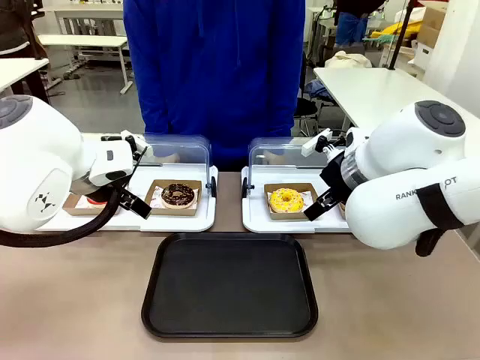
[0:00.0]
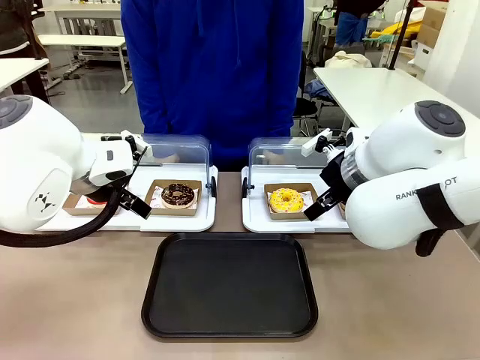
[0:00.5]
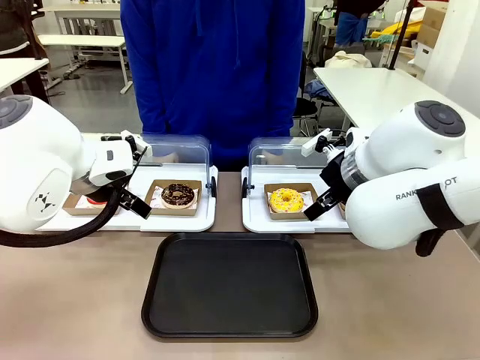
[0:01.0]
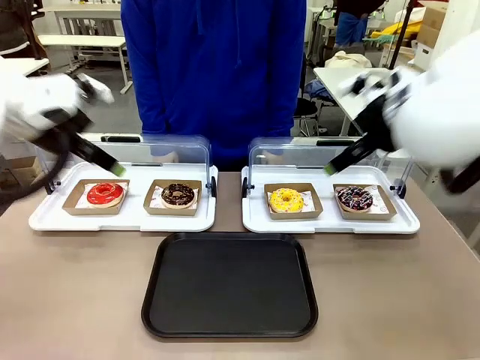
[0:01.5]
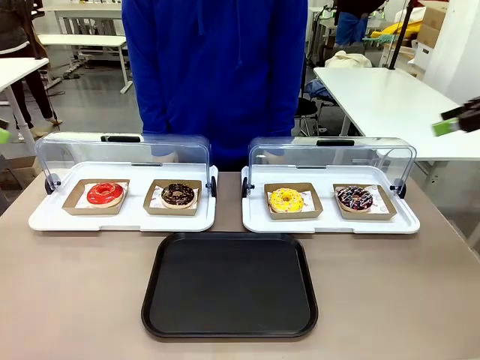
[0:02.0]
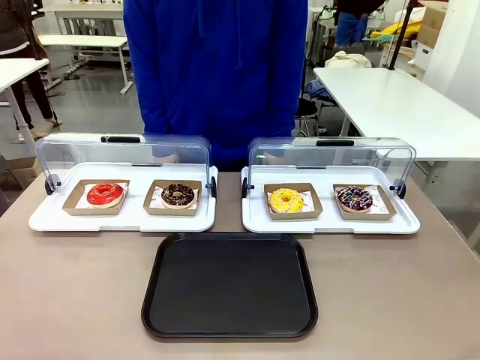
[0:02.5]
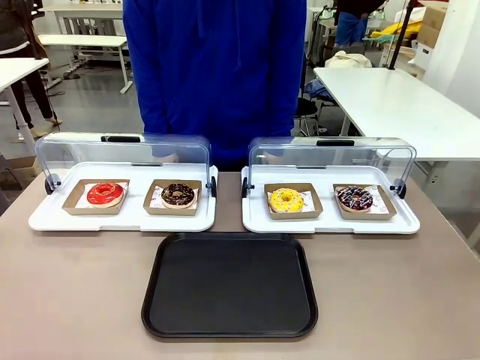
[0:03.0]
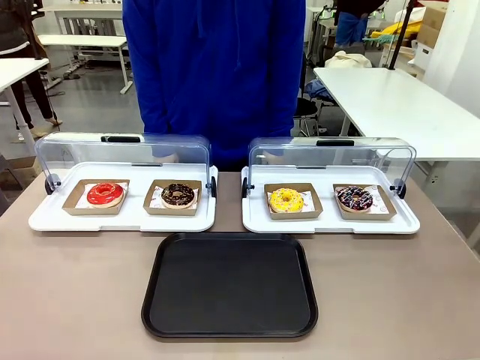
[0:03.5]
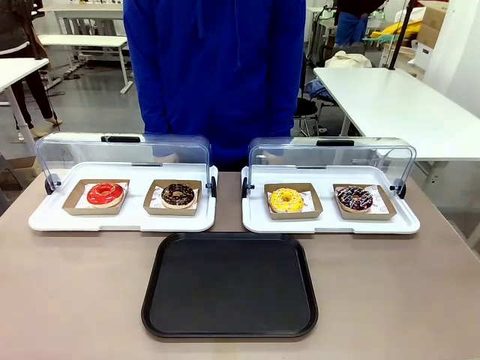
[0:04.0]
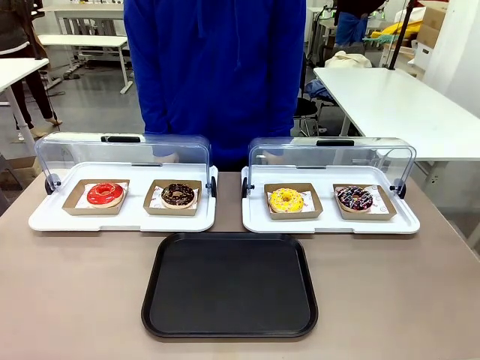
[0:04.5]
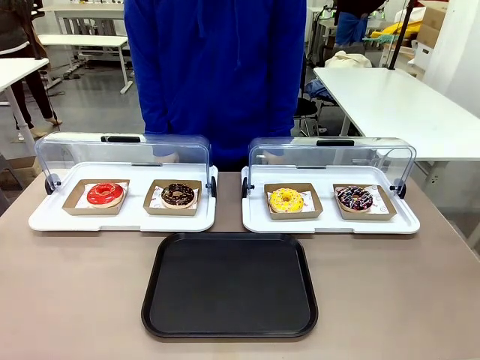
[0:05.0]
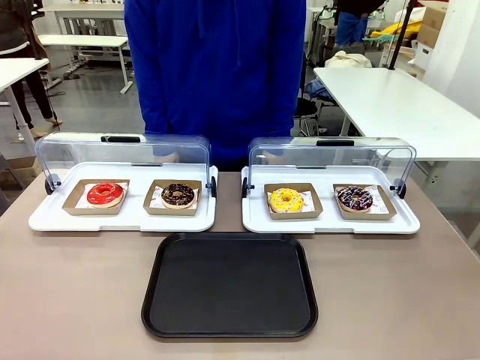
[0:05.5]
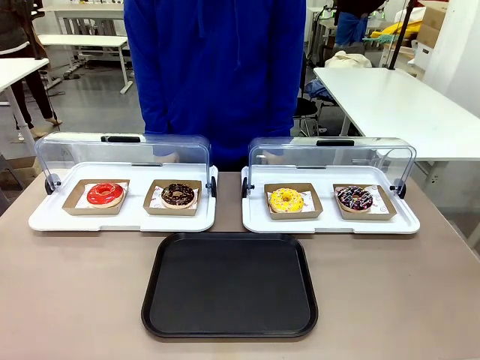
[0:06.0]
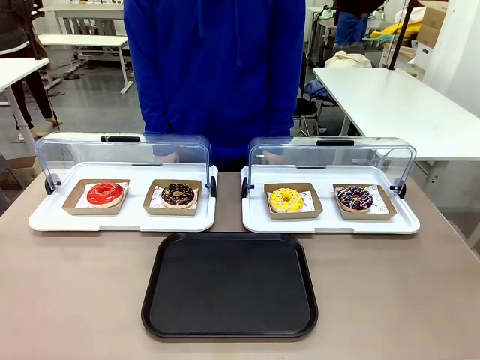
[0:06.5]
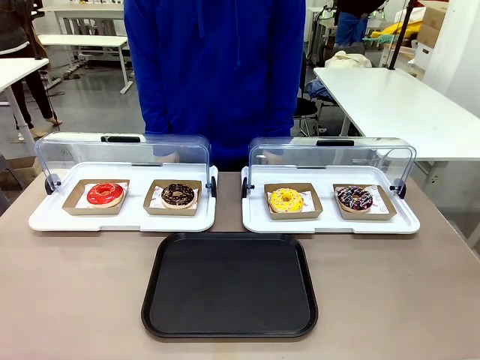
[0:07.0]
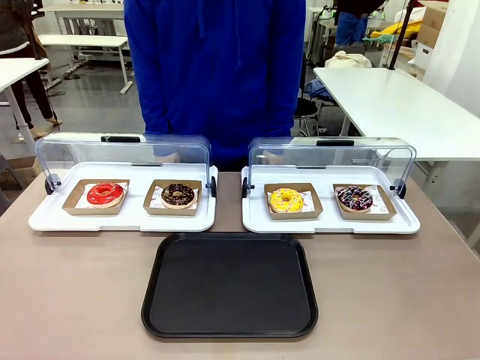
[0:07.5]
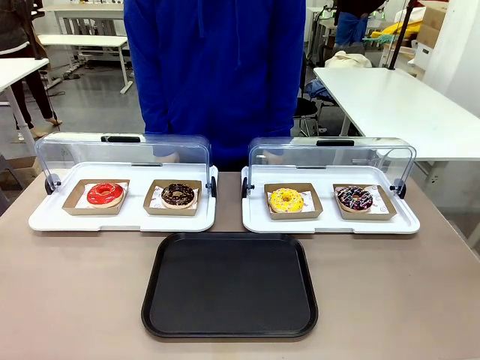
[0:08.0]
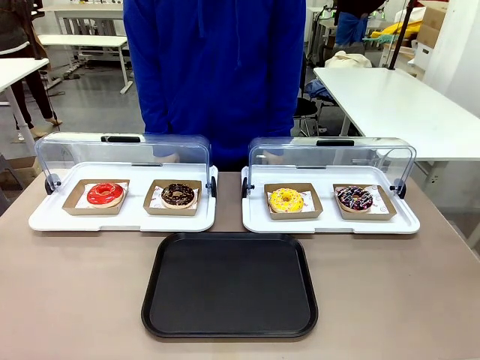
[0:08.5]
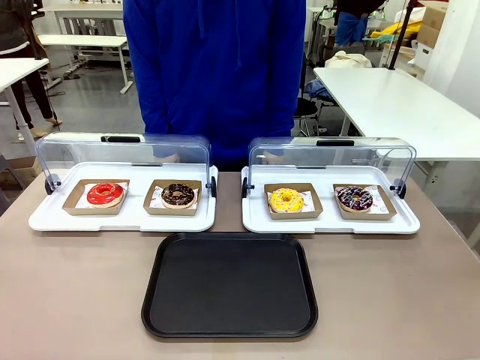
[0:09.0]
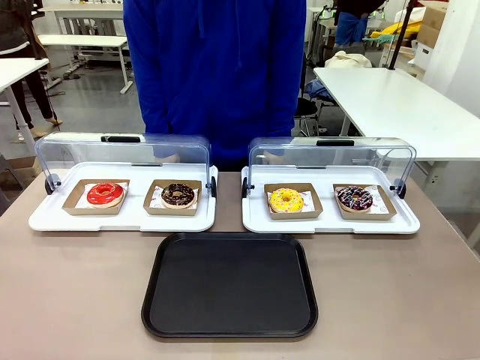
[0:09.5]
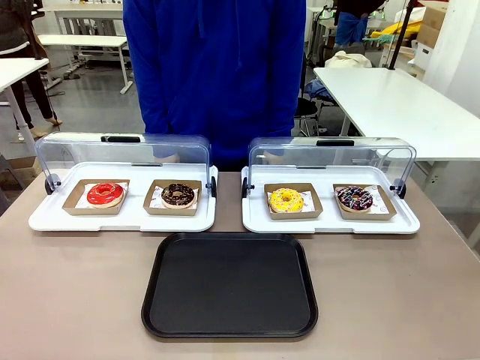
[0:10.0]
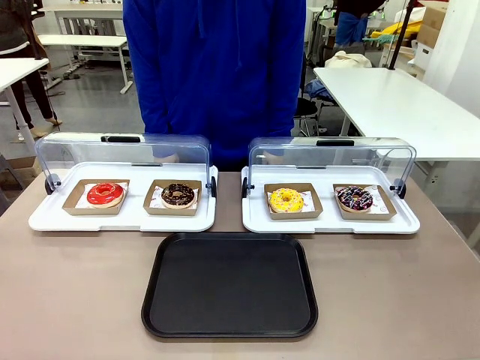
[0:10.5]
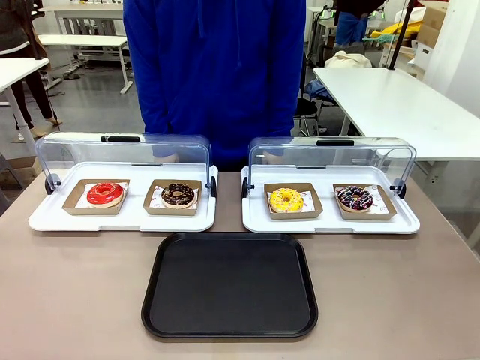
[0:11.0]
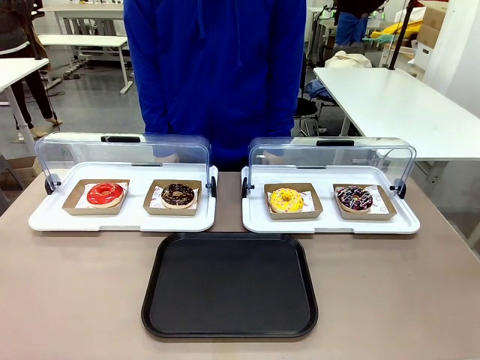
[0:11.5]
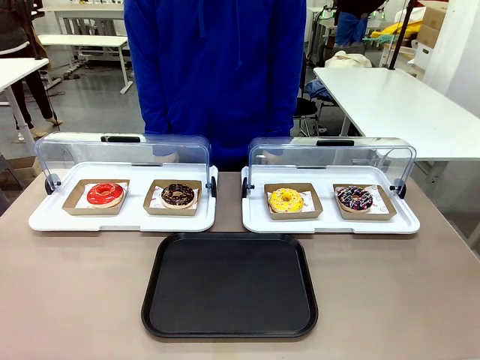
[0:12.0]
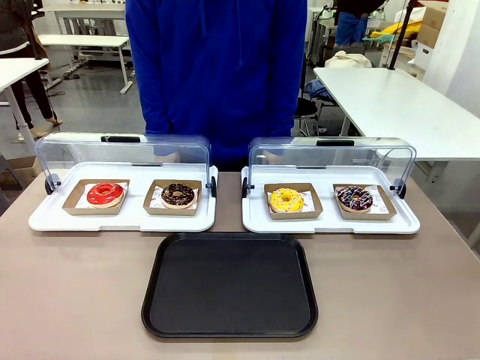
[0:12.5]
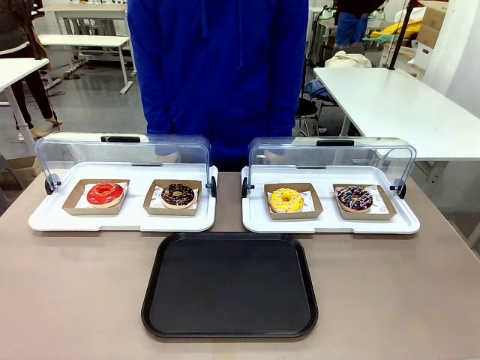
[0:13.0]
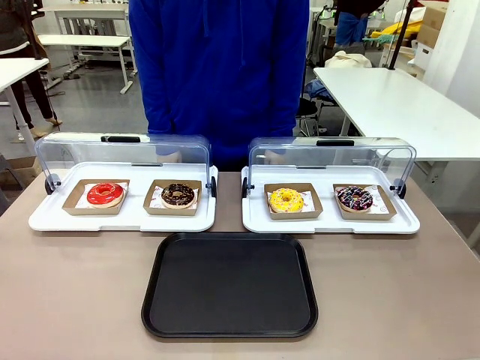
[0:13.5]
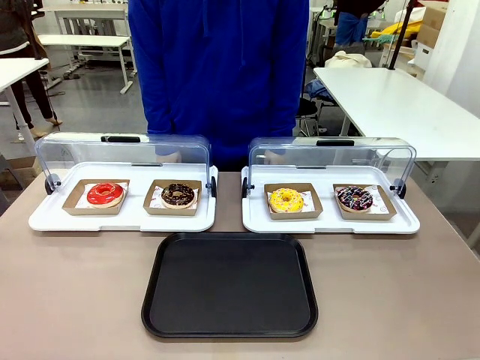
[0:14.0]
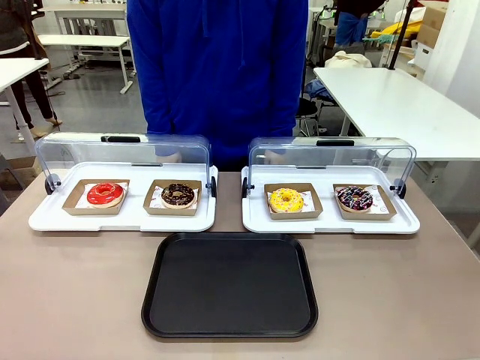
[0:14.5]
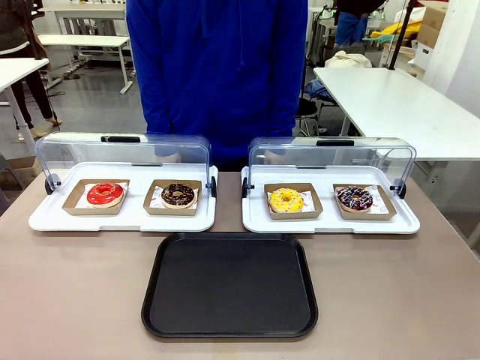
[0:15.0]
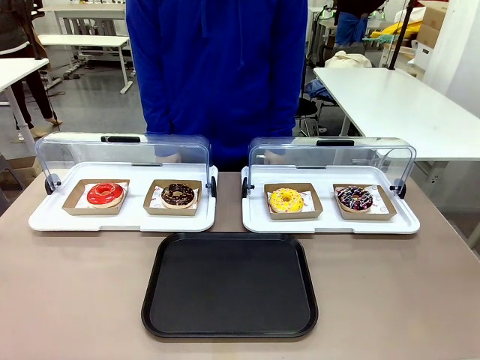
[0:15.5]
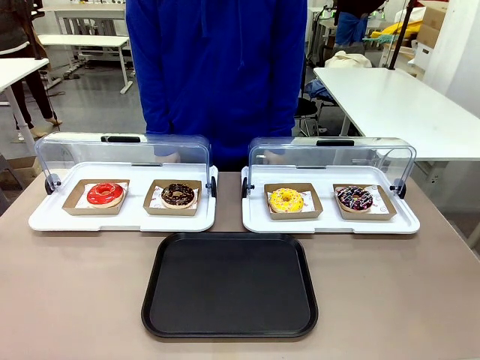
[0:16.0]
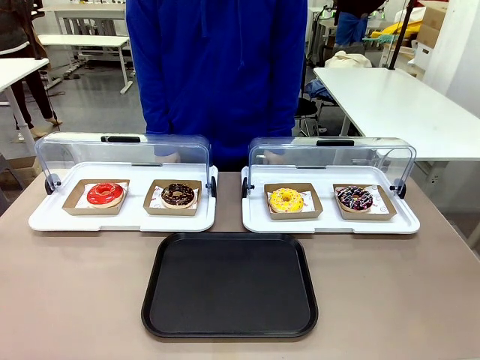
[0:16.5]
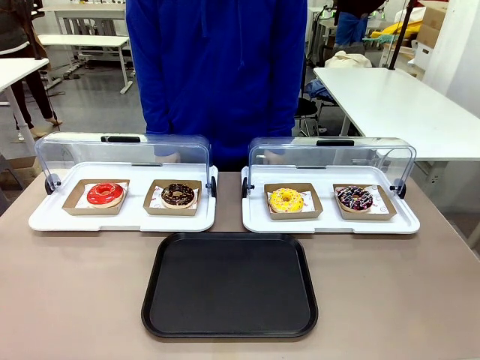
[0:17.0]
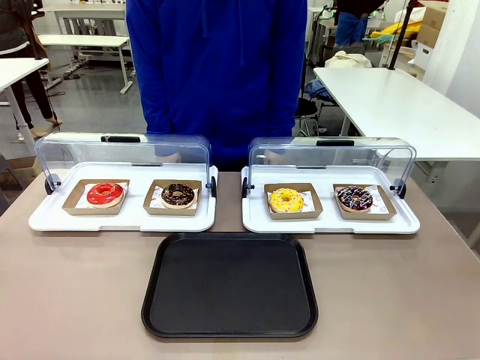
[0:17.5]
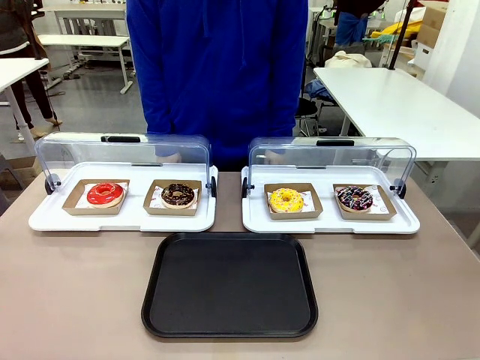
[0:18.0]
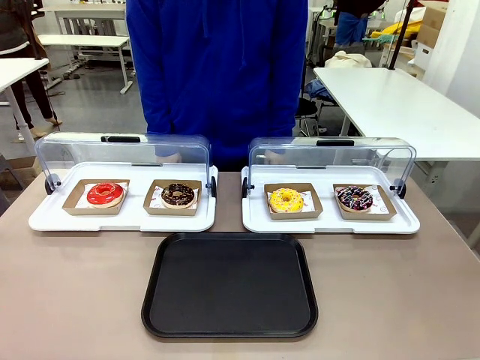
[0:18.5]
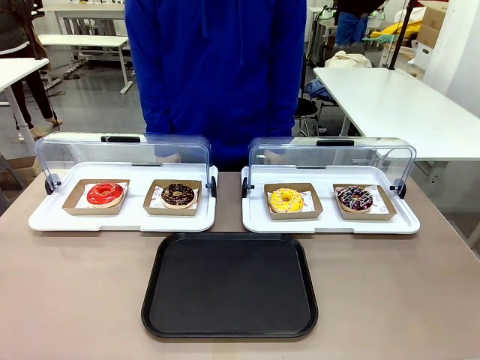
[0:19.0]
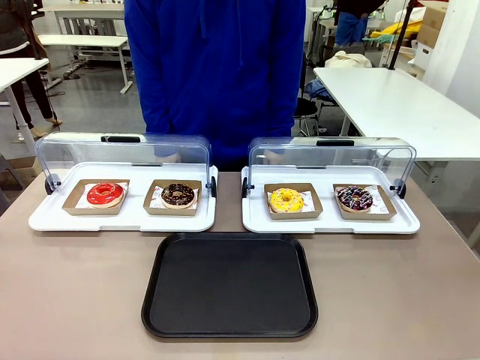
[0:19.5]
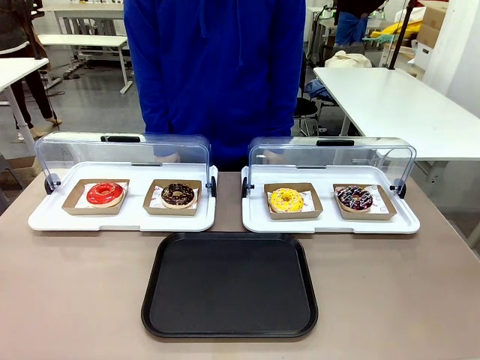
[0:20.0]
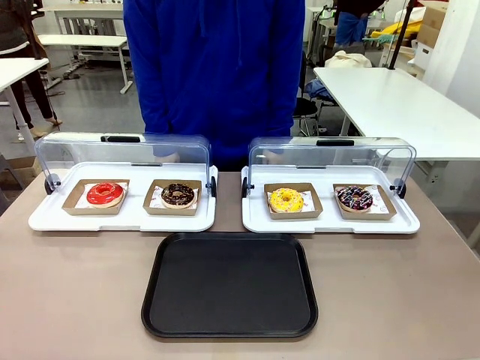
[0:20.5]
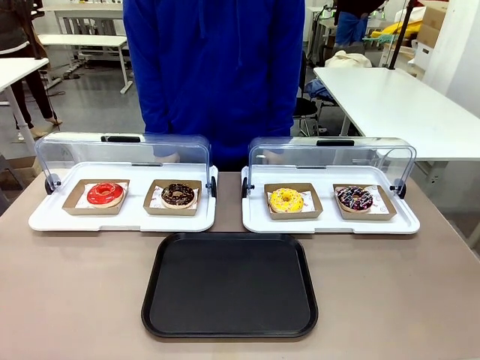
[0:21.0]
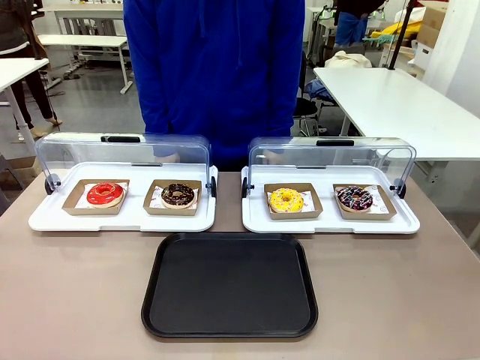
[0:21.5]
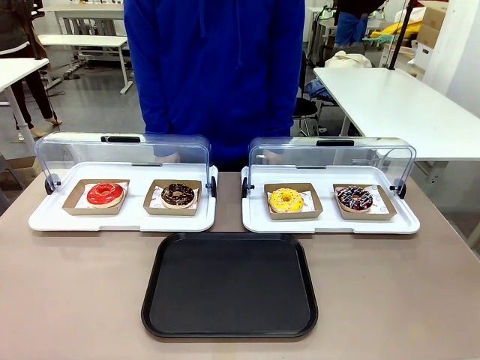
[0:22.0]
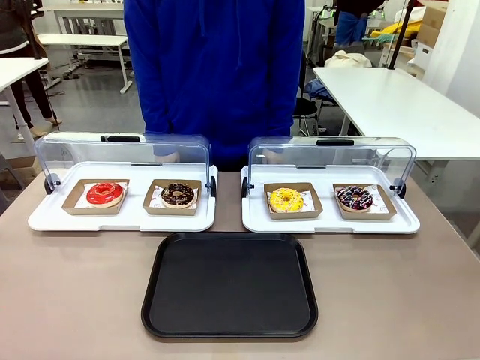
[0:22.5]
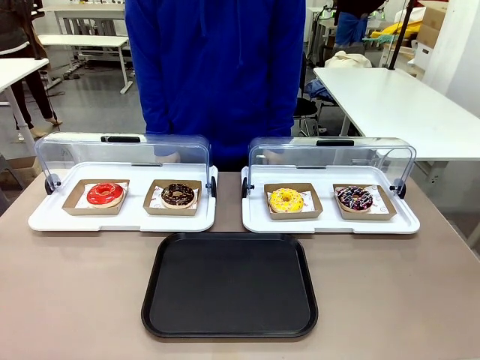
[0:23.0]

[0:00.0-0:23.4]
Task: Move the third donut from the left to the tray.
Robot: Pick up the Paper togo box containing the Donut indicated by the person and place it on the Handle tray.
